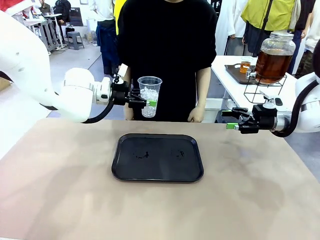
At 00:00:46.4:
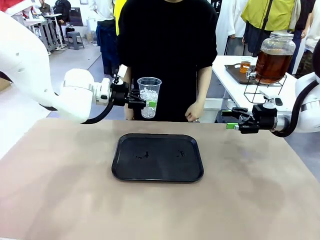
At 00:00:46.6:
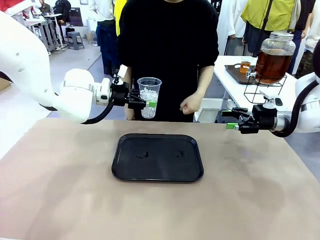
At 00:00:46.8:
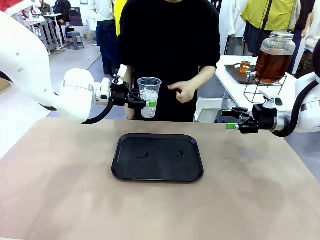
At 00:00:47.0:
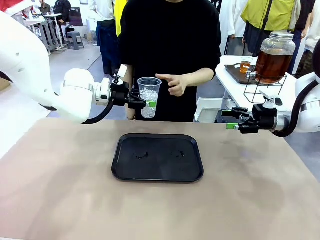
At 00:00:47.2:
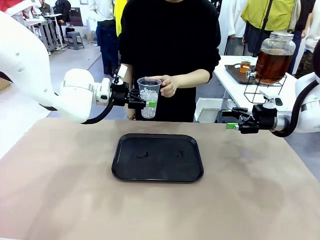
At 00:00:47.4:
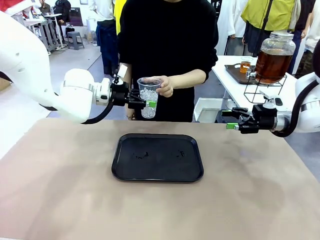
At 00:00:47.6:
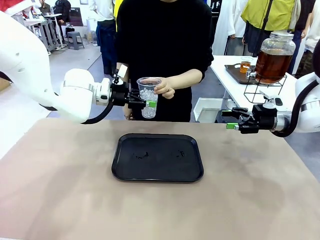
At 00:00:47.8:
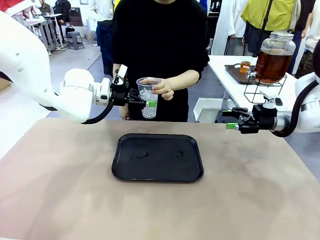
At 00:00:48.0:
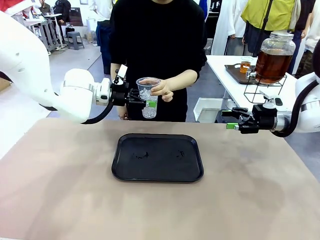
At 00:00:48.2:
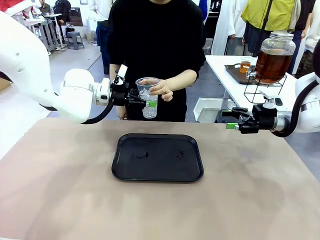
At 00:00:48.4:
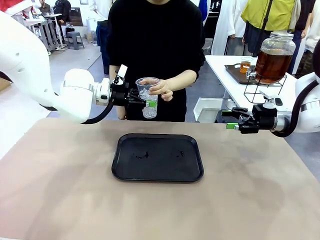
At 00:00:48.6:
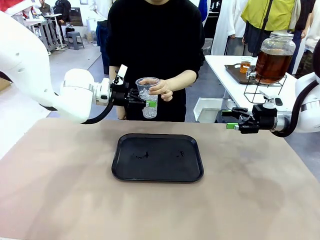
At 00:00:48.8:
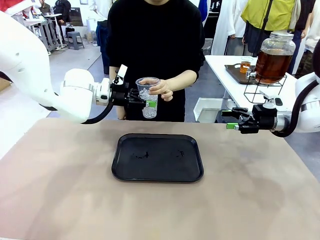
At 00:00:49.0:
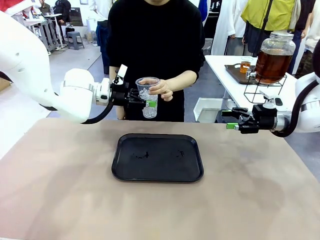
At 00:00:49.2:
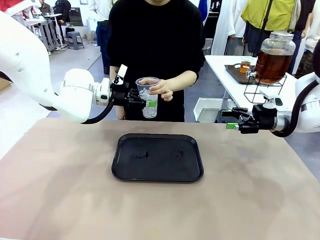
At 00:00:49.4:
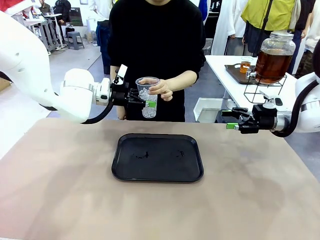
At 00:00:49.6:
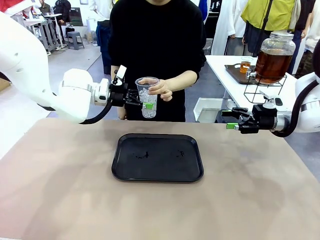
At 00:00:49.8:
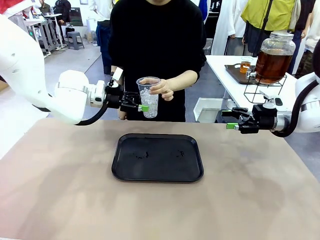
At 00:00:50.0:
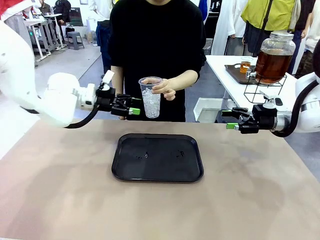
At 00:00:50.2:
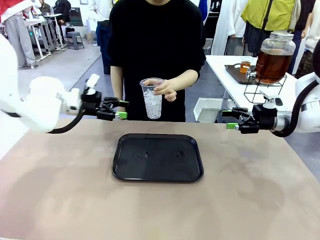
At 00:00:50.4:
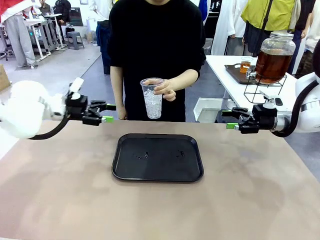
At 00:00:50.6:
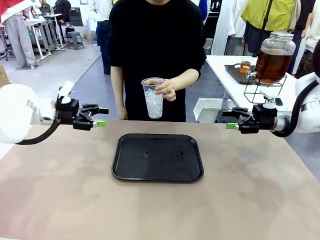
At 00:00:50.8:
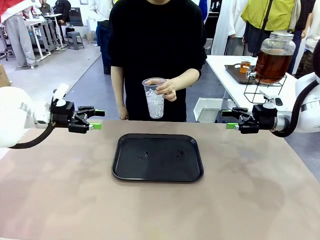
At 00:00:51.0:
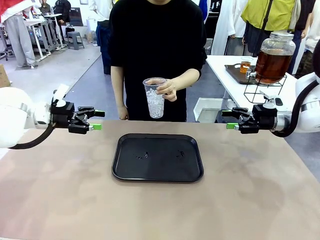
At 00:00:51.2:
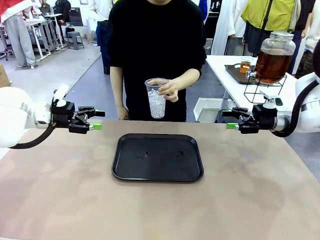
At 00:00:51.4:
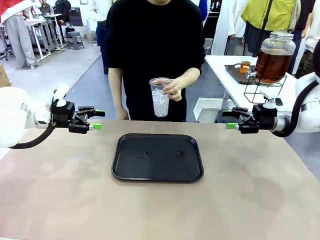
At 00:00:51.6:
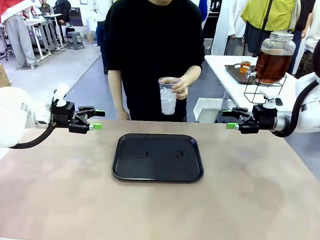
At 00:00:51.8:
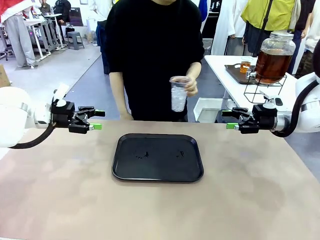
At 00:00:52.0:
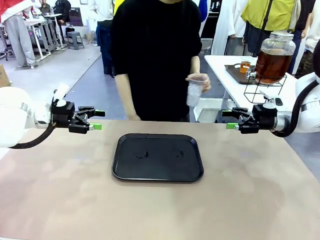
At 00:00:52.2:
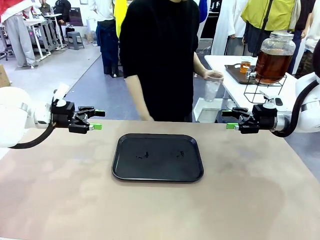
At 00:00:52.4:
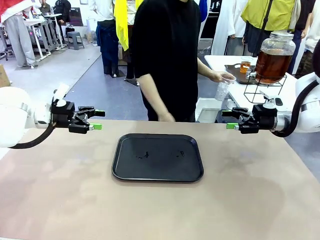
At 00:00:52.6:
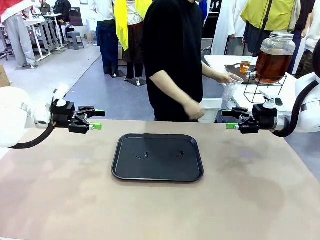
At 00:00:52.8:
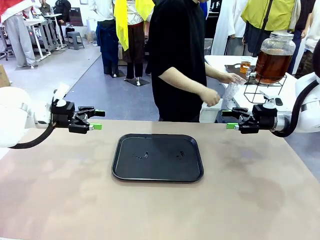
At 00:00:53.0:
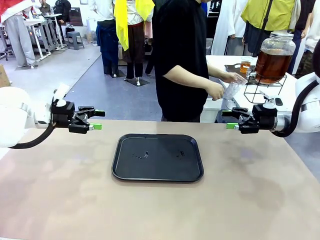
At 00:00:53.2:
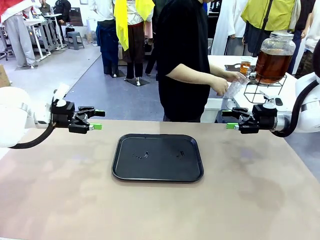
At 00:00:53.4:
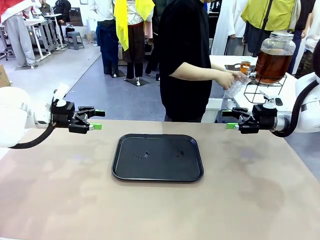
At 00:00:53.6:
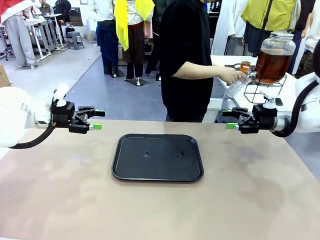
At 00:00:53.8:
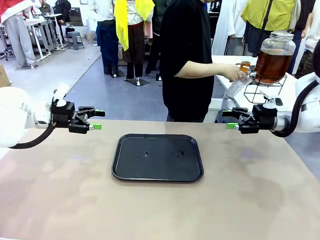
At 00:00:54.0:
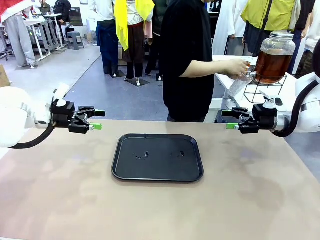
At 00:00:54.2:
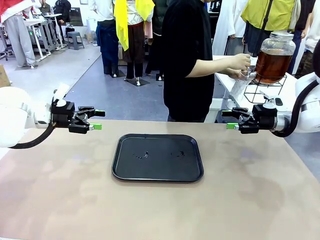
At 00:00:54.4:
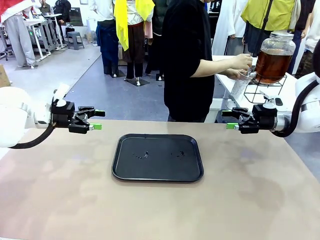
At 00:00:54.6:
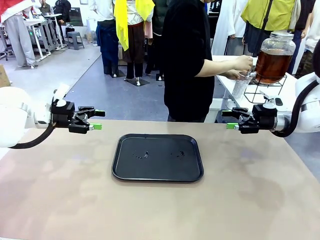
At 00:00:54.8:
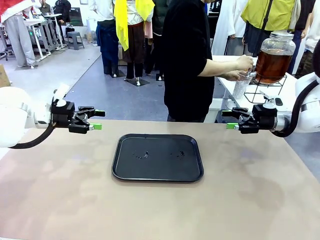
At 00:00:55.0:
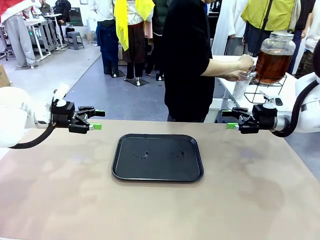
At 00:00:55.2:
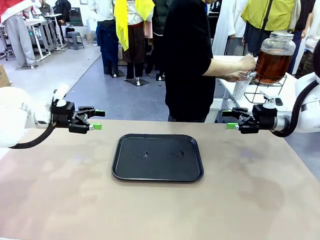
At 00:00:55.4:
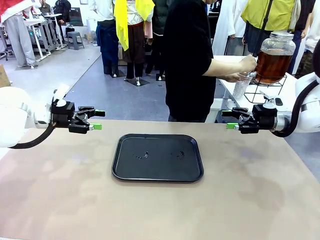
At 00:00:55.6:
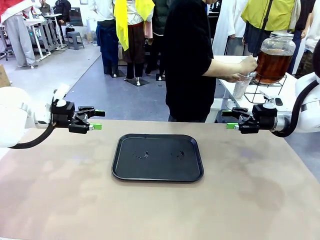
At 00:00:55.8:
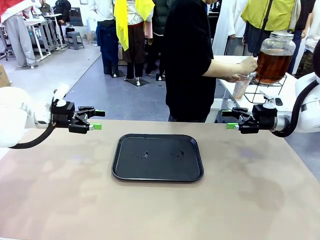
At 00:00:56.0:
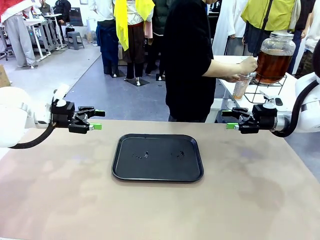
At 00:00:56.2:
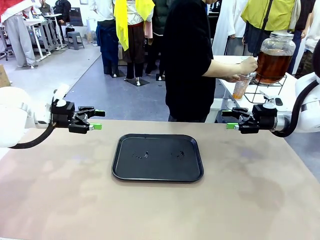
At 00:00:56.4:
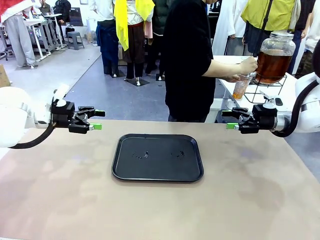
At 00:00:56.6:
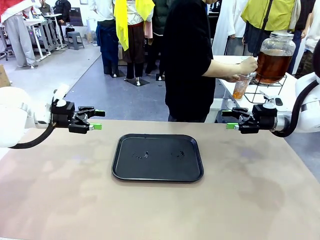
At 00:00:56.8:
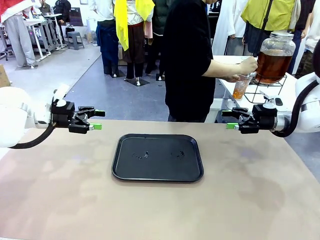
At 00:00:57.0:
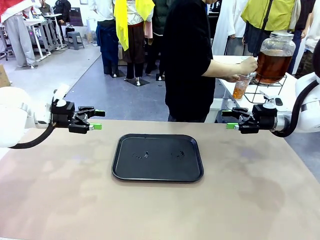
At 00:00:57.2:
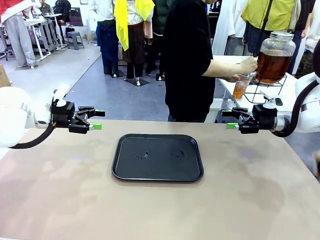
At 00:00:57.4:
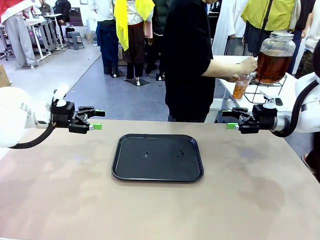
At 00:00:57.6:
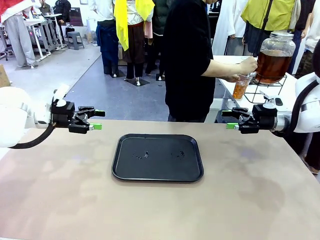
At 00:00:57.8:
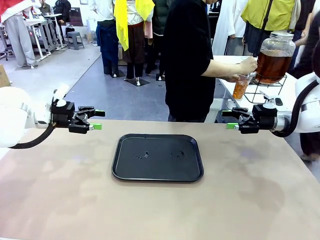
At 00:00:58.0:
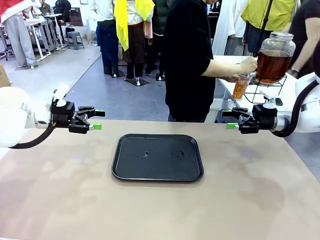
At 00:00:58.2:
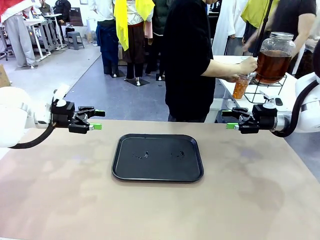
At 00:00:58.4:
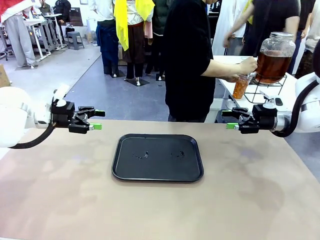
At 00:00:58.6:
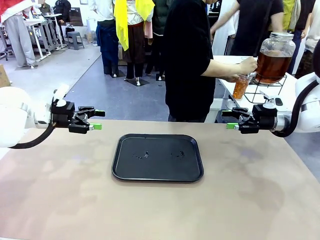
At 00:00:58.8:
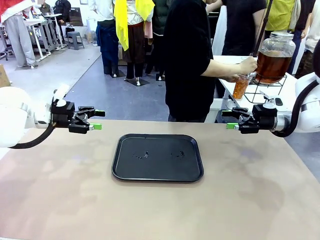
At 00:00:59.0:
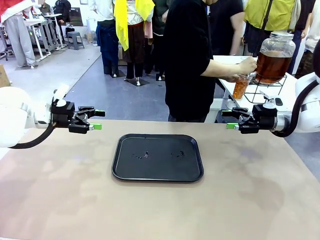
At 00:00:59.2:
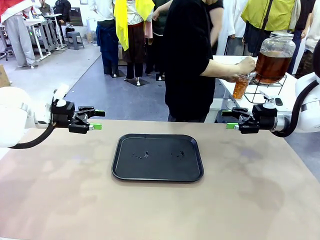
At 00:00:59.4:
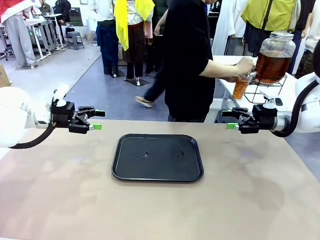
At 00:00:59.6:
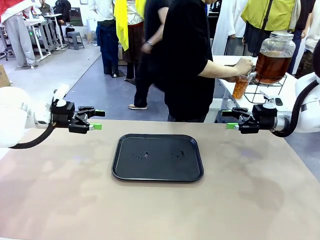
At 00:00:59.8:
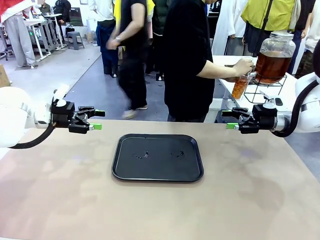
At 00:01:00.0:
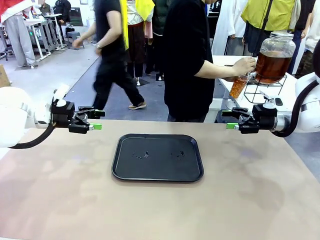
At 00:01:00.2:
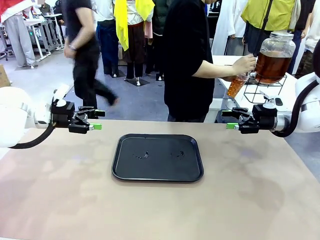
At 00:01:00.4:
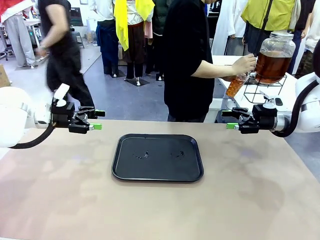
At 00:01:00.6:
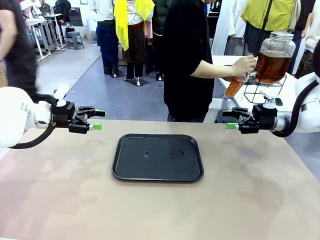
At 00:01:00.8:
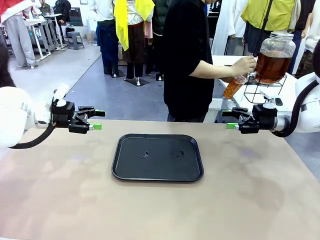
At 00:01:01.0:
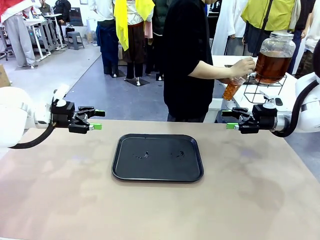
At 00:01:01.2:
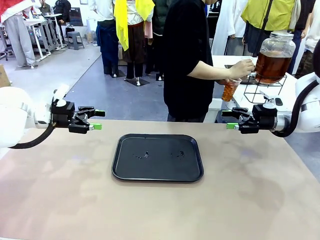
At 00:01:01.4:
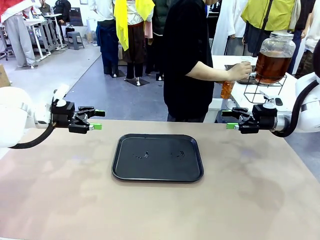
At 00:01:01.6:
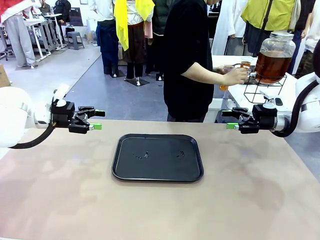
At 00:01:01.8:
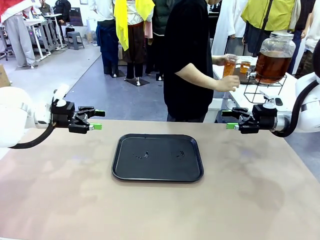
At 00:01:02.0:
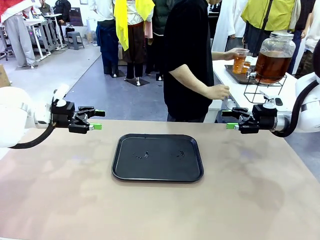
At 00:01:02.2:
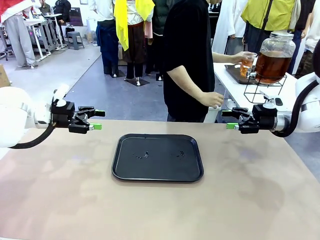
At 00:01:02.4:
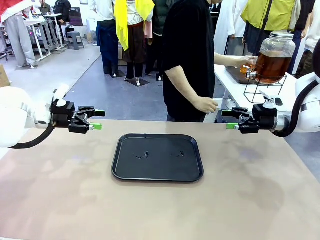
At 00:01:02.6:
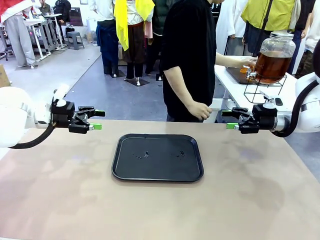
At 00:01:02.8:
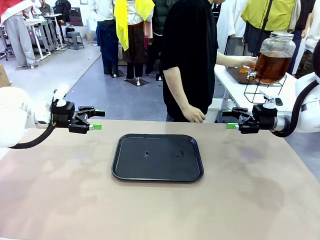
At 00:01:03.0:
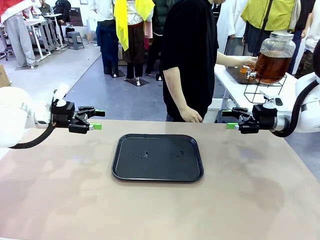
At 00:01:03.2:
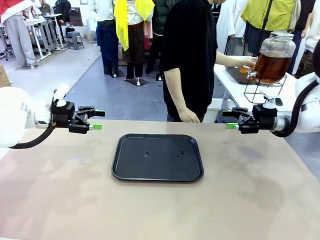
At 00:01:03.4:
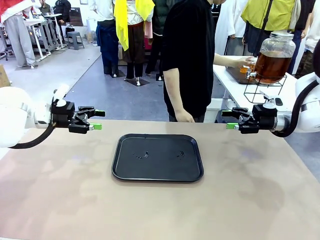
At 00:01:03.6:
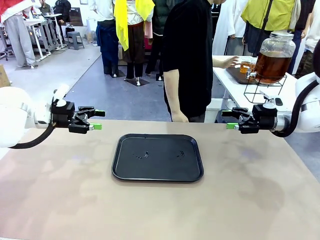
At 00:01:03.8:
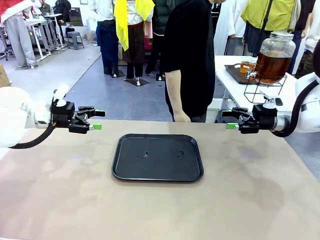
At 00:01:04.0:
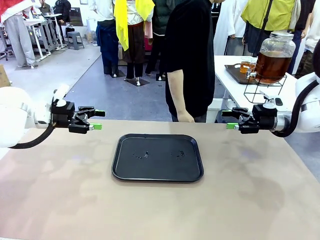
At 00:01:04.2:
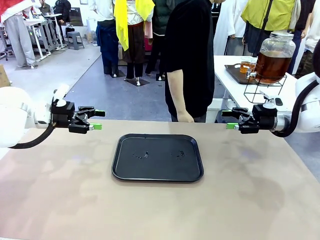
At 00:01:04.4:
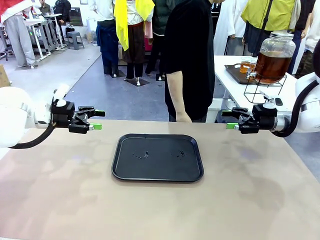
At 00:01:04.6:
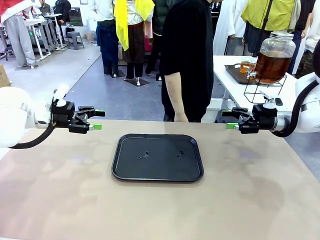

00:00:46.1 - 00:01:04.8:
Task: Pour the drink into the iced cup.
Robot: Open the gripper to release the iced cup you were holding.
Person: Move the picked-up cup under the dispenser faucet, pour the drink, and place it on the tray on the human table.
